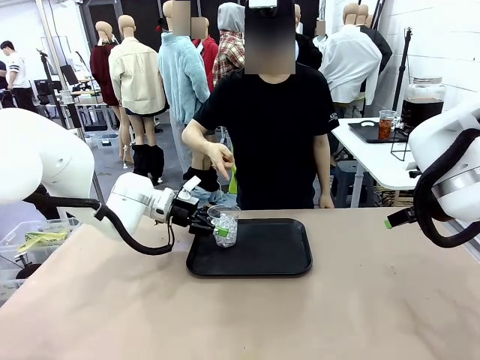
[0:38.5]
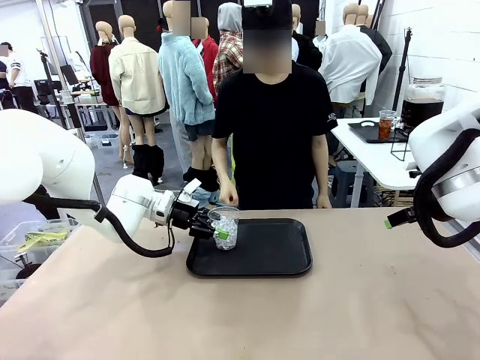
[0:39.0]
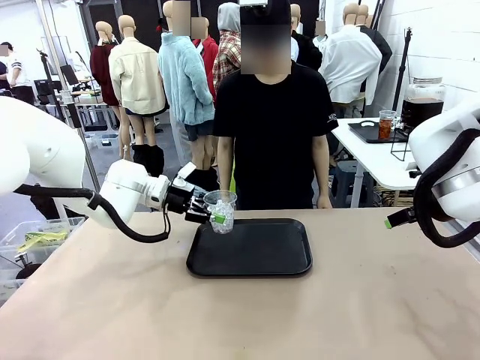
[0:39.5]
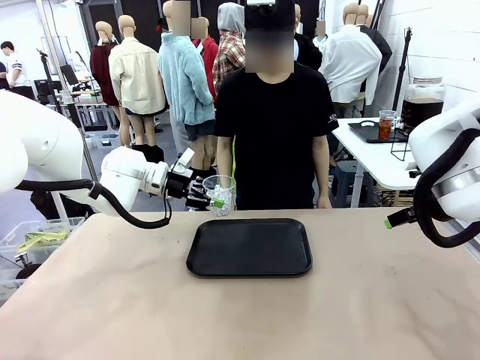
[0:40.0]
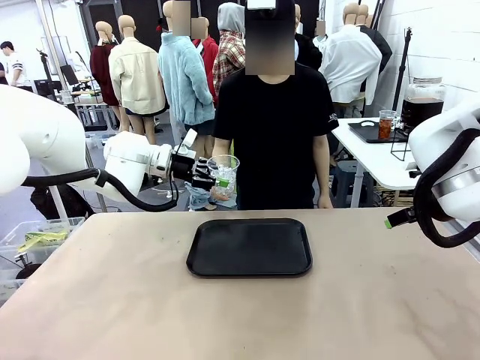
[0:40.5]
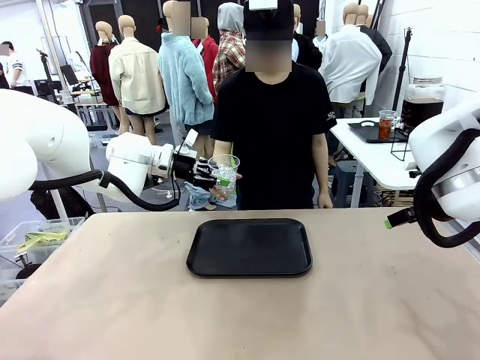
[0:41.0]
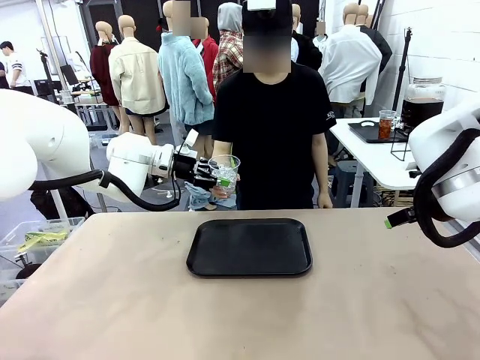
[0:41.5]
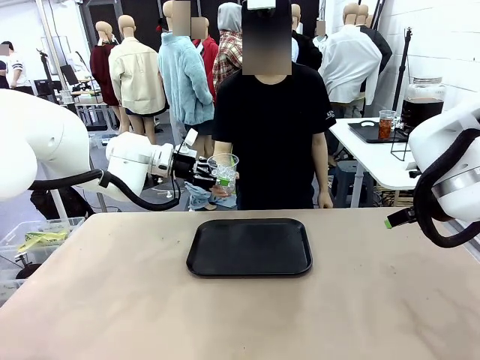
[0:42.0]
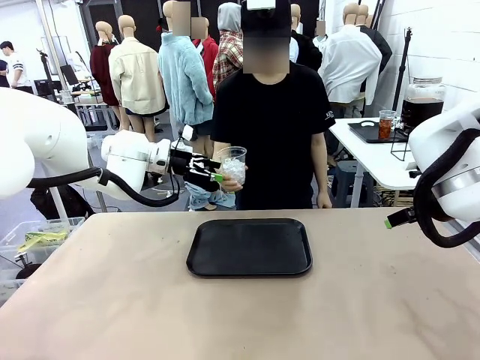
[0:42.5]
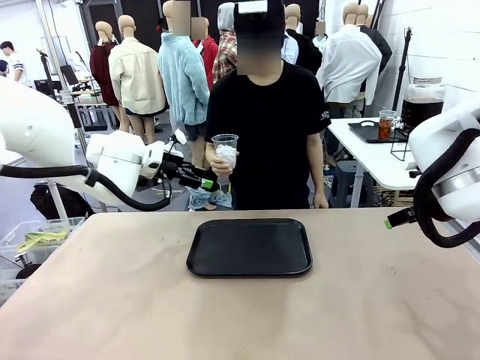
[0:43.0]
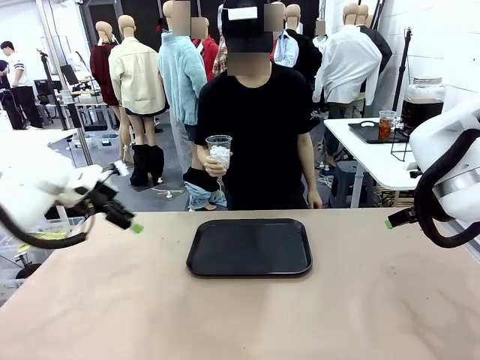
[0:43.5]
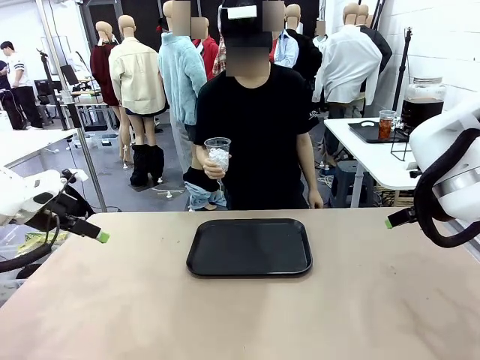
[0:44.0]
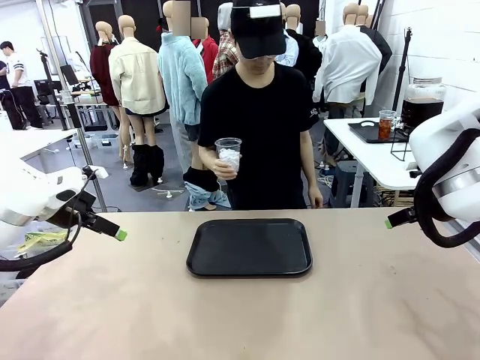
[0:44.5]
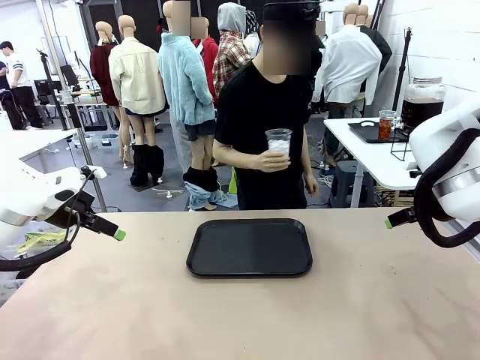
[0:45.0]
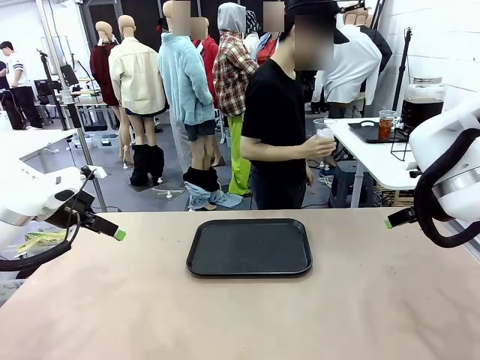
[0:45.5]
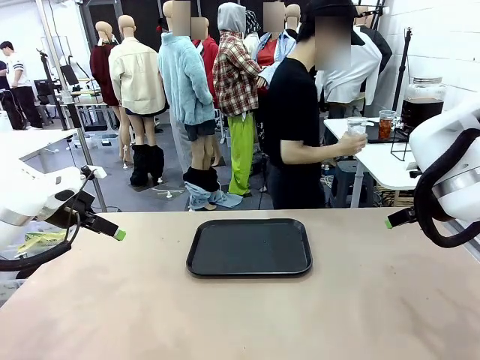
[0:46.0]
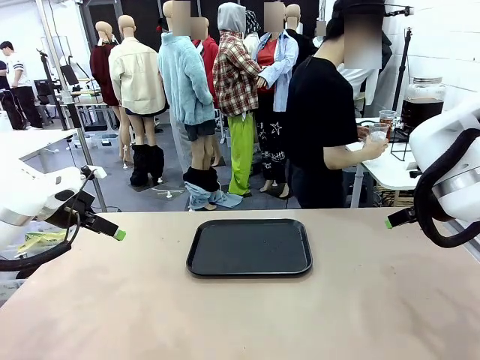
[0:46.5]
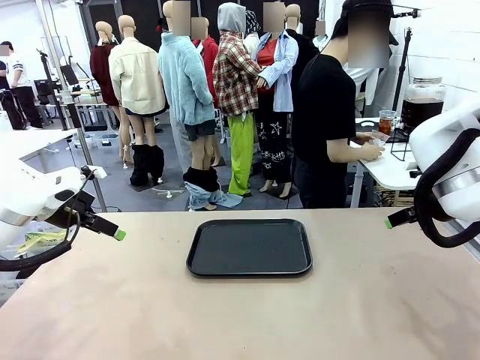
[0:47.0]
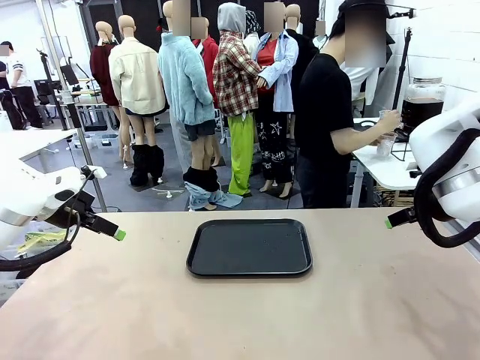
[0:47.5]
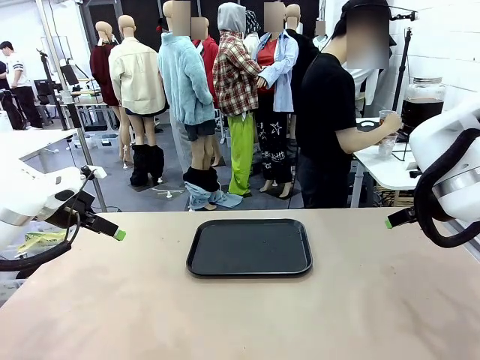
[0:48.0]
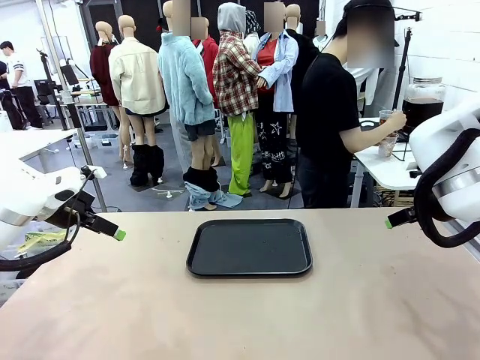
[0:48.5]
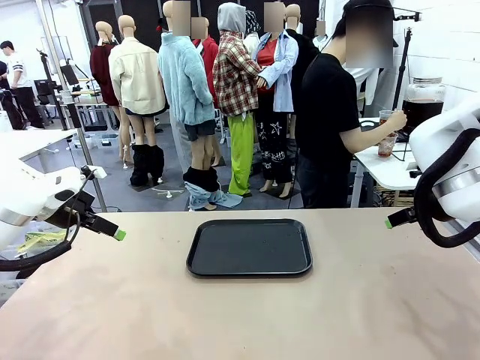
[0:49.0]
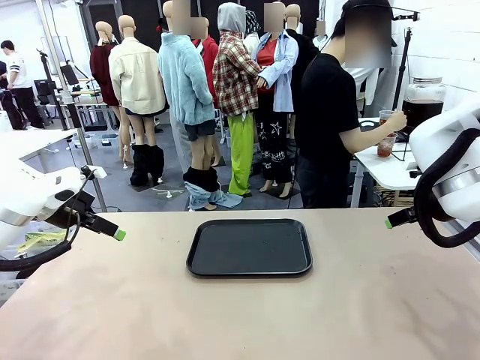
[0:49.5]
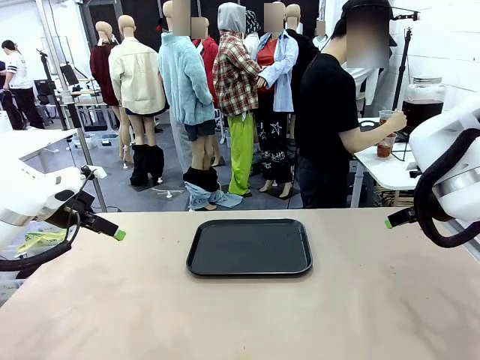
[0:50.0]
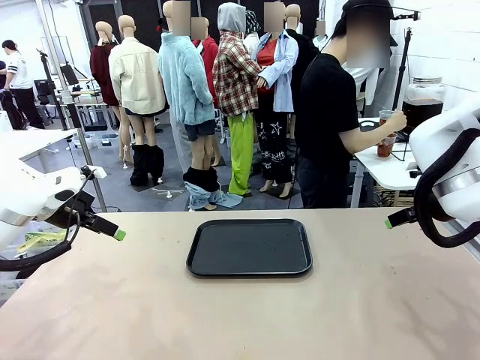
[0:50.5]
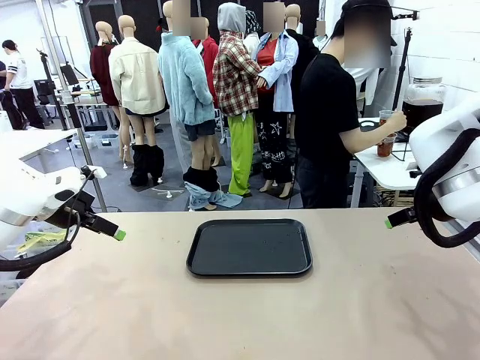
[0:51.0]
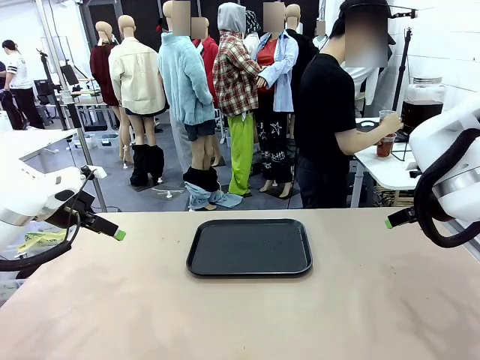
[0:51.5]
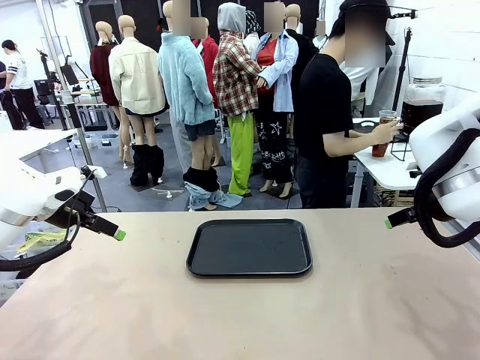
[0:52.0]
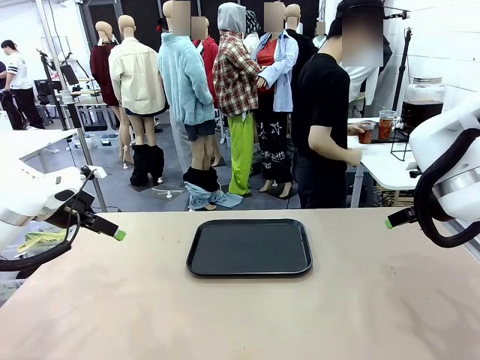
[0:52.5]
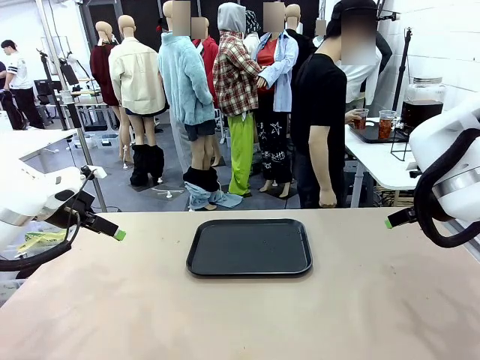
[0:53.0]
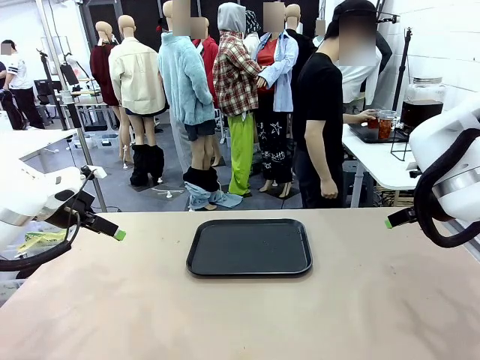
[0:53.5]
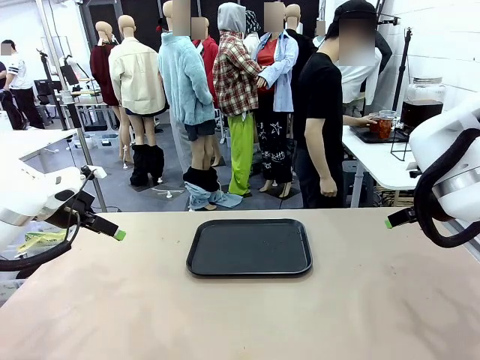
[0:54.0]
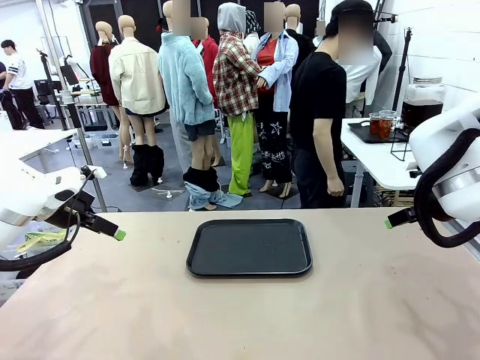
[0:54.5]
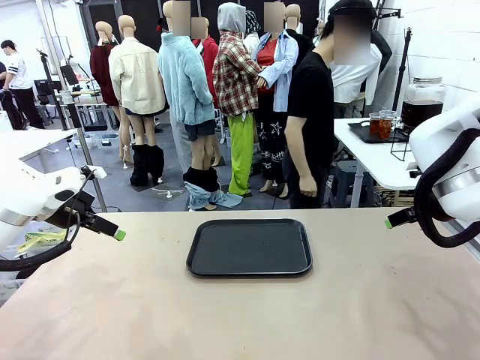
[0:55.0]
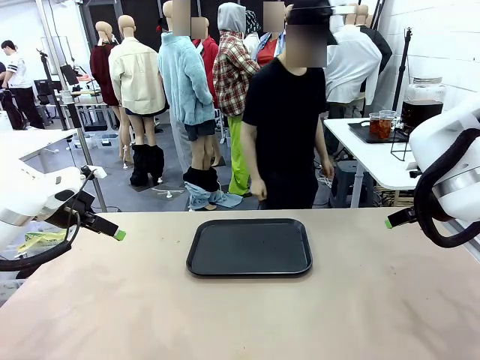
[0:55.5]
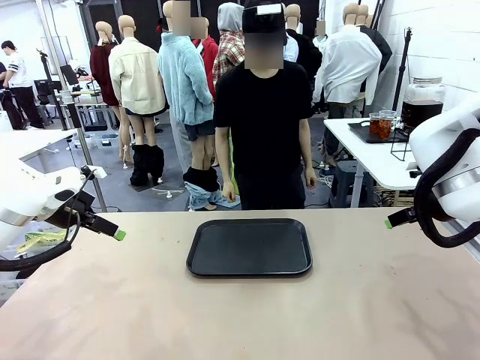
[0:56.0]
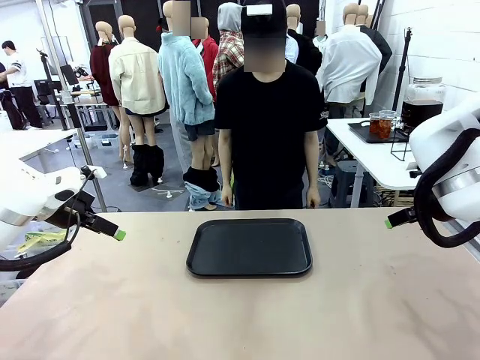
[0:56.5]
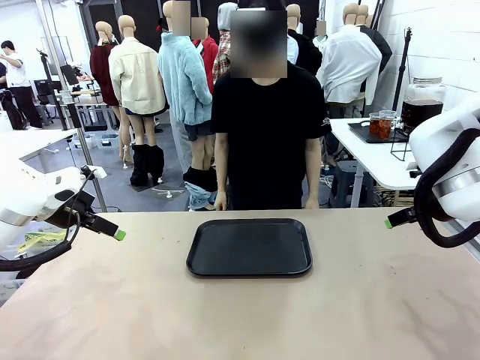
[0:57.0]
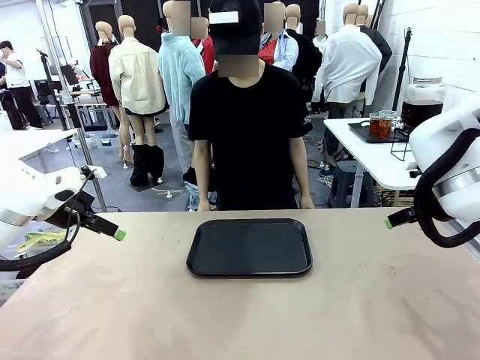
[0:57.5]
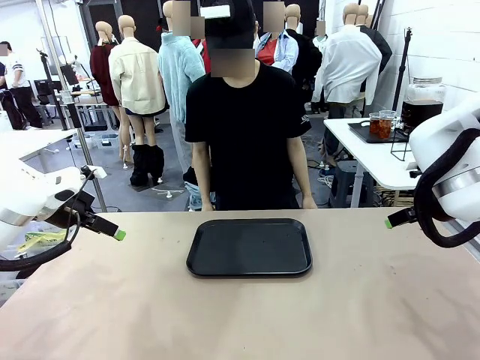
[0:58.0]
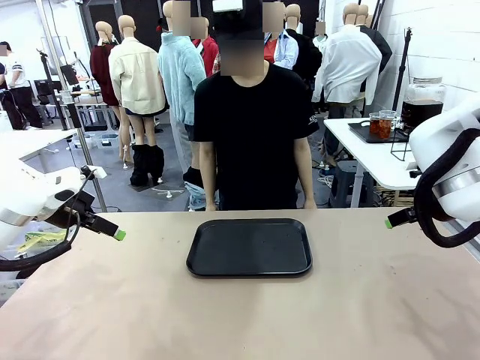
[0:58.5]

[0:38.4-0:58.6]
Task: Pour the drink into the iced cup.
Robot: Open the gripper to release the iced cup you were holding.
Person: Move the picked-up cup under the dispenser faucet, pour the drink, and place it on the tray on the human table.
